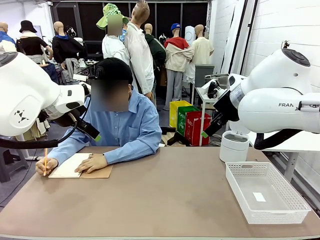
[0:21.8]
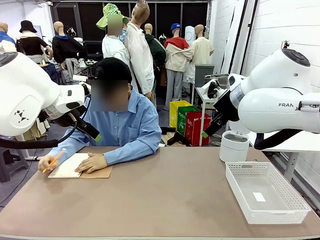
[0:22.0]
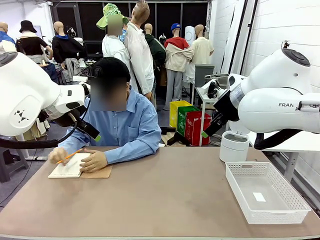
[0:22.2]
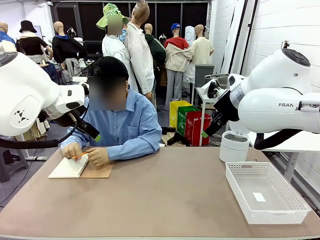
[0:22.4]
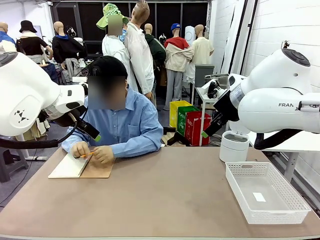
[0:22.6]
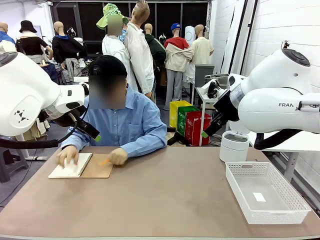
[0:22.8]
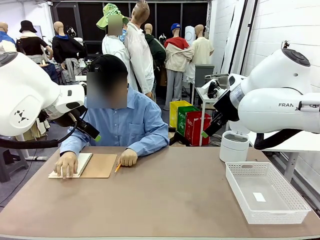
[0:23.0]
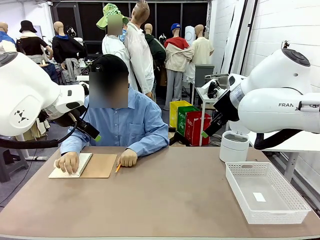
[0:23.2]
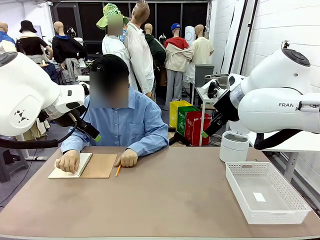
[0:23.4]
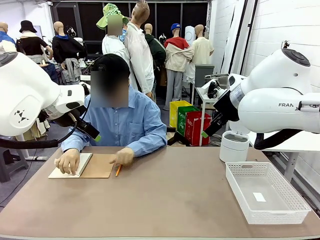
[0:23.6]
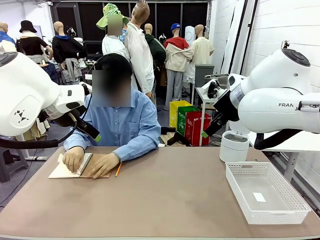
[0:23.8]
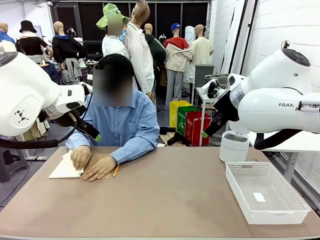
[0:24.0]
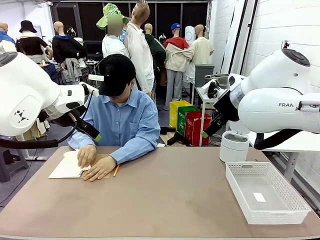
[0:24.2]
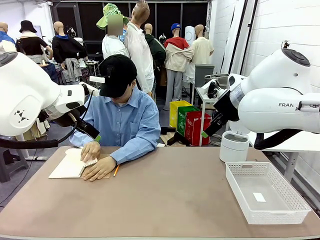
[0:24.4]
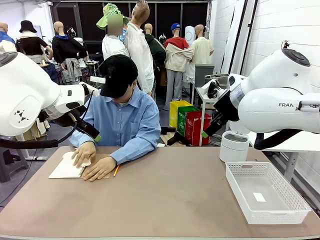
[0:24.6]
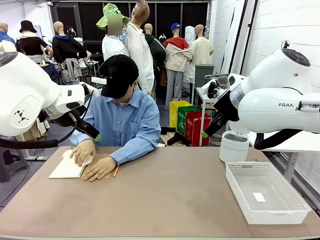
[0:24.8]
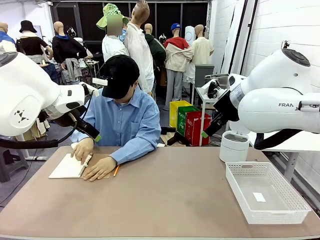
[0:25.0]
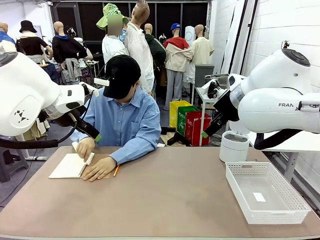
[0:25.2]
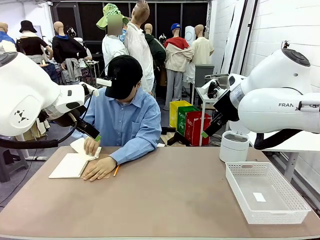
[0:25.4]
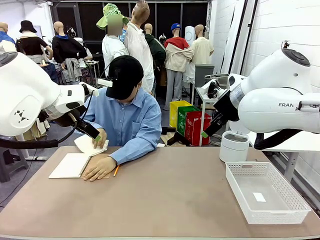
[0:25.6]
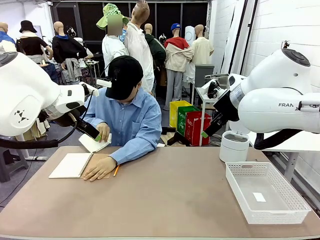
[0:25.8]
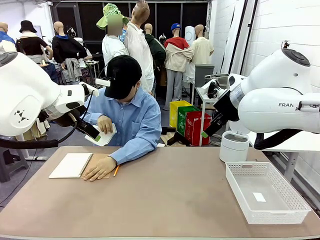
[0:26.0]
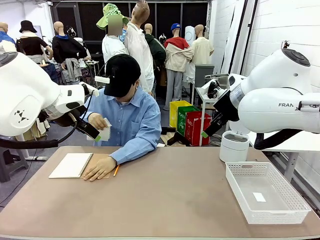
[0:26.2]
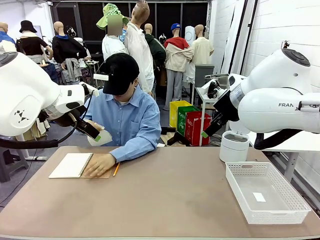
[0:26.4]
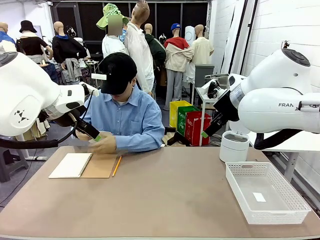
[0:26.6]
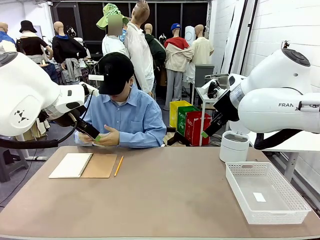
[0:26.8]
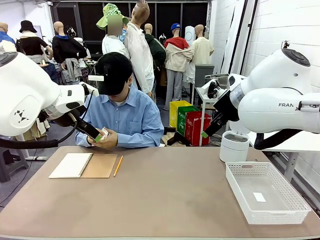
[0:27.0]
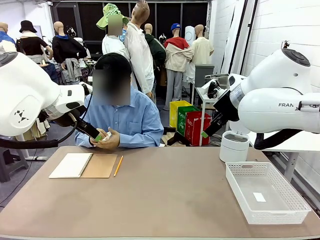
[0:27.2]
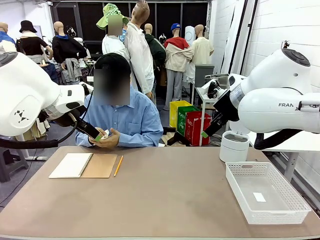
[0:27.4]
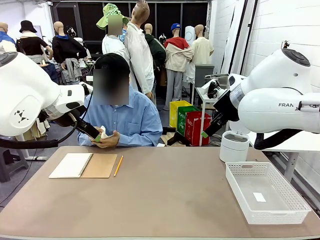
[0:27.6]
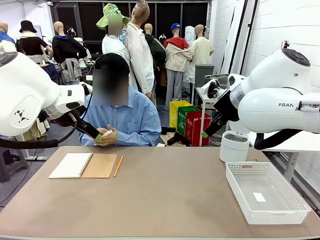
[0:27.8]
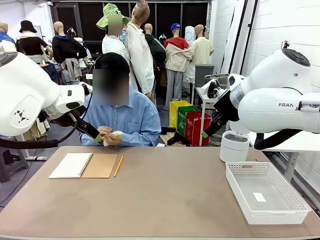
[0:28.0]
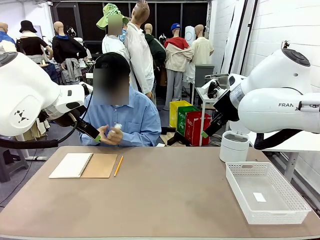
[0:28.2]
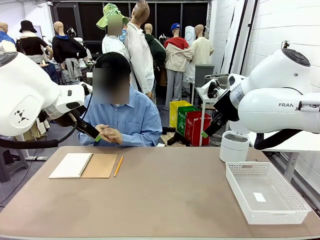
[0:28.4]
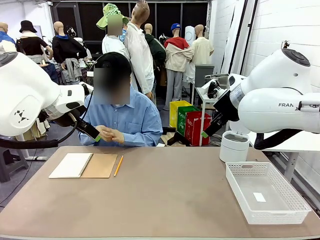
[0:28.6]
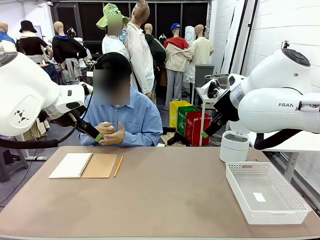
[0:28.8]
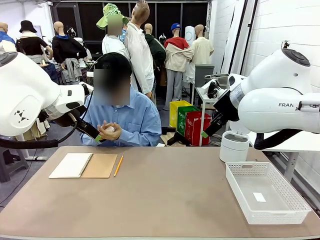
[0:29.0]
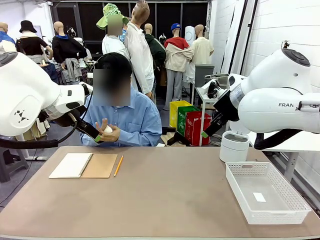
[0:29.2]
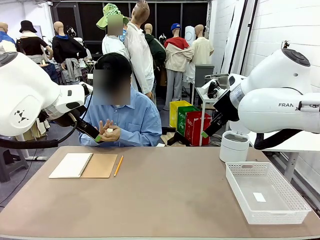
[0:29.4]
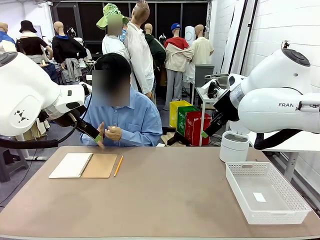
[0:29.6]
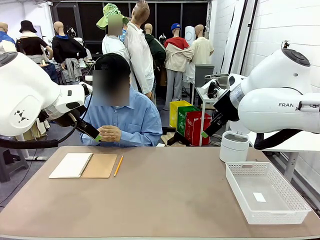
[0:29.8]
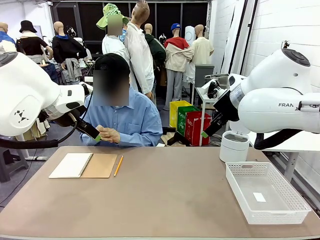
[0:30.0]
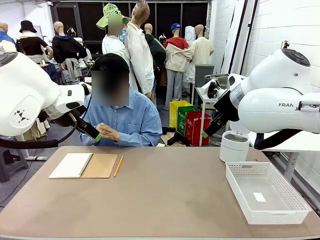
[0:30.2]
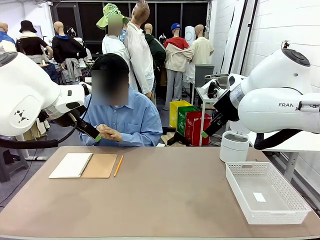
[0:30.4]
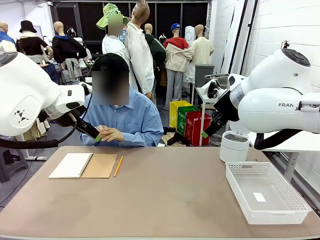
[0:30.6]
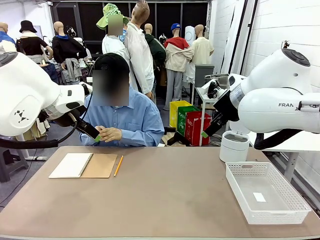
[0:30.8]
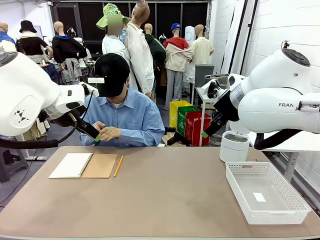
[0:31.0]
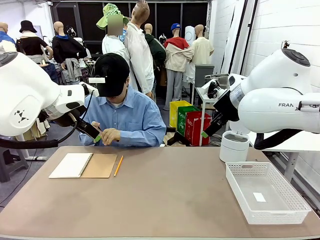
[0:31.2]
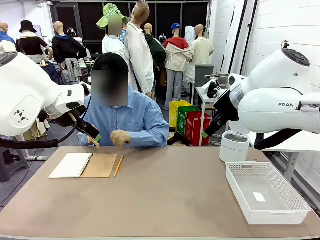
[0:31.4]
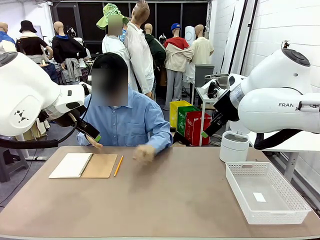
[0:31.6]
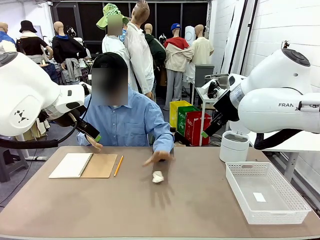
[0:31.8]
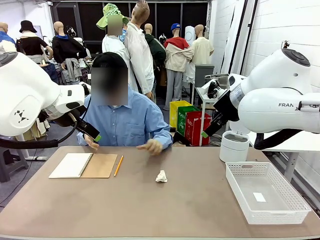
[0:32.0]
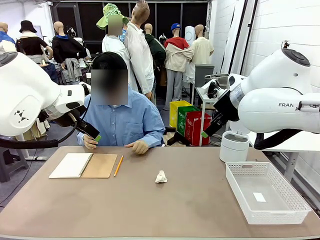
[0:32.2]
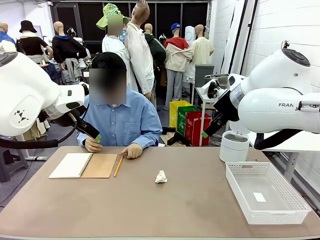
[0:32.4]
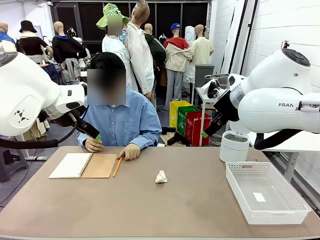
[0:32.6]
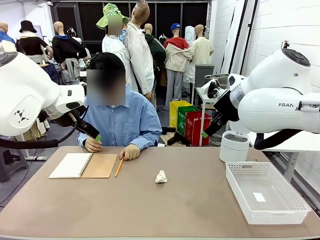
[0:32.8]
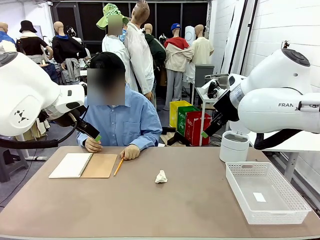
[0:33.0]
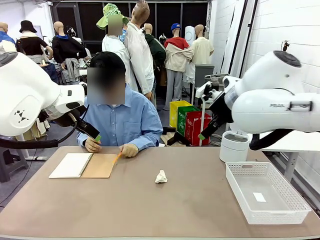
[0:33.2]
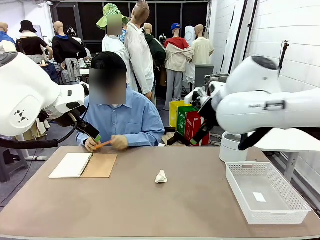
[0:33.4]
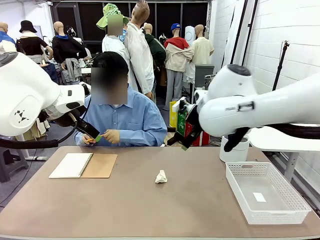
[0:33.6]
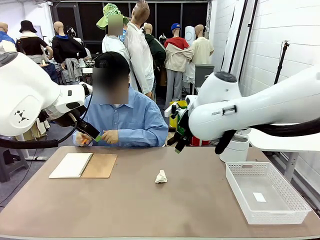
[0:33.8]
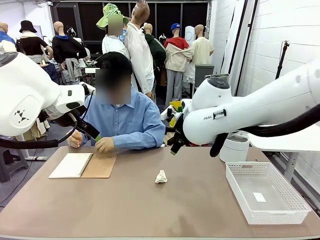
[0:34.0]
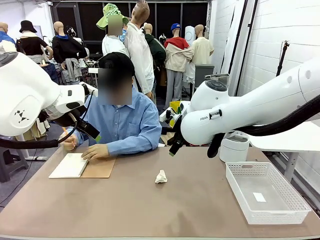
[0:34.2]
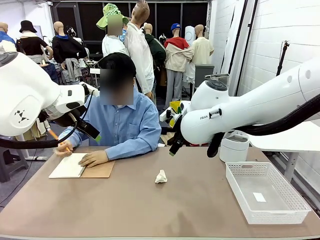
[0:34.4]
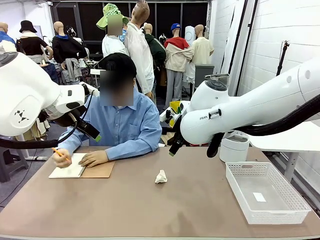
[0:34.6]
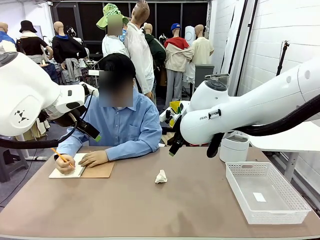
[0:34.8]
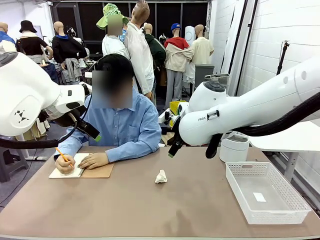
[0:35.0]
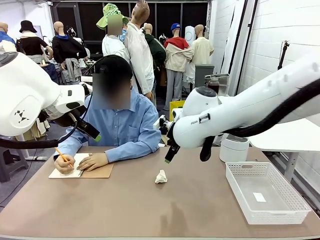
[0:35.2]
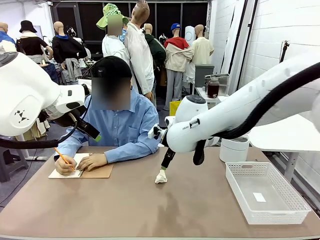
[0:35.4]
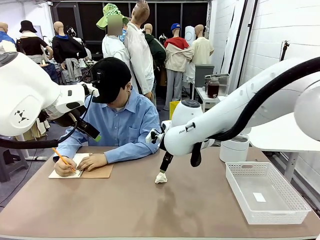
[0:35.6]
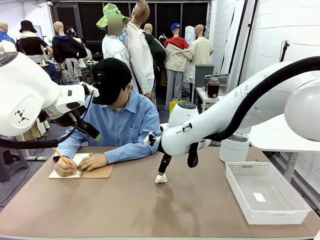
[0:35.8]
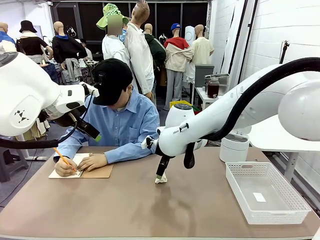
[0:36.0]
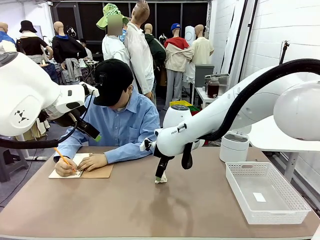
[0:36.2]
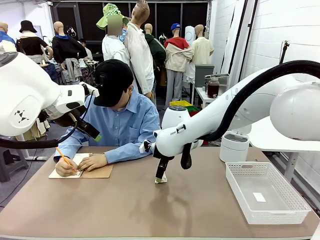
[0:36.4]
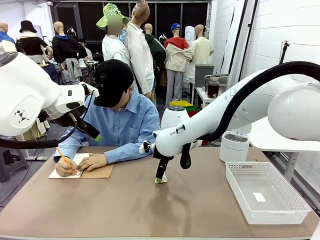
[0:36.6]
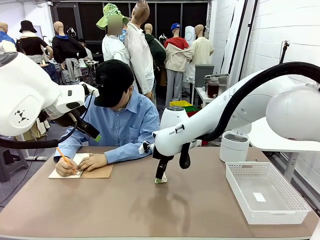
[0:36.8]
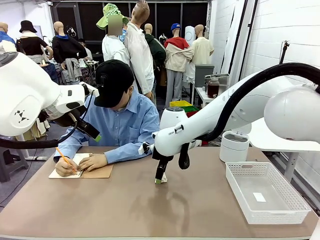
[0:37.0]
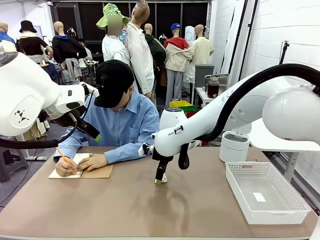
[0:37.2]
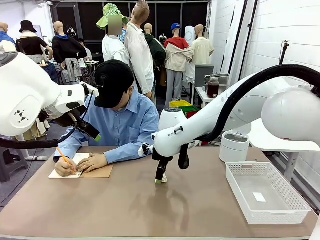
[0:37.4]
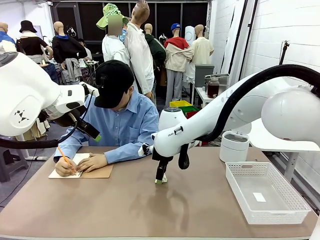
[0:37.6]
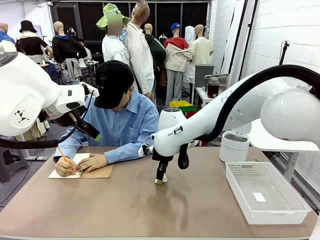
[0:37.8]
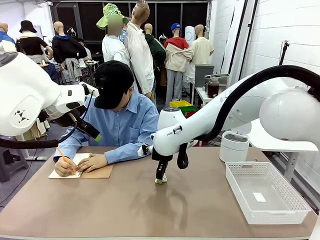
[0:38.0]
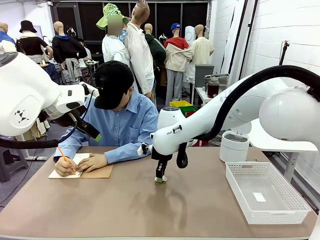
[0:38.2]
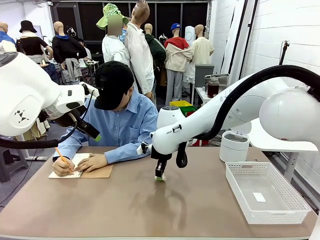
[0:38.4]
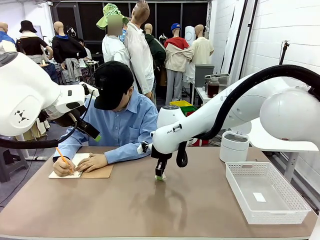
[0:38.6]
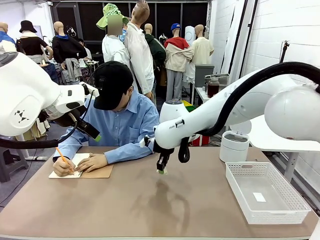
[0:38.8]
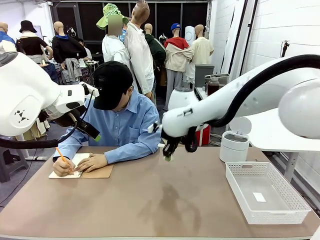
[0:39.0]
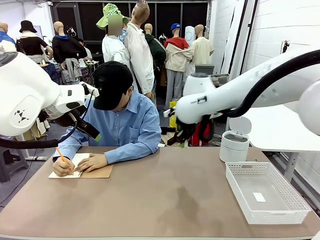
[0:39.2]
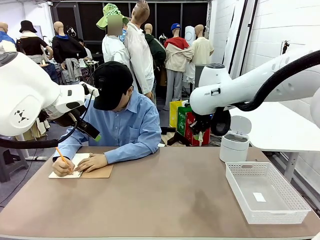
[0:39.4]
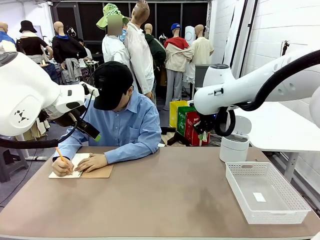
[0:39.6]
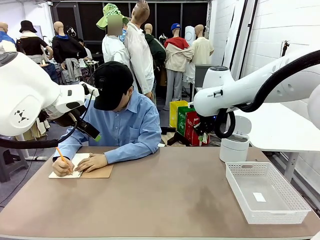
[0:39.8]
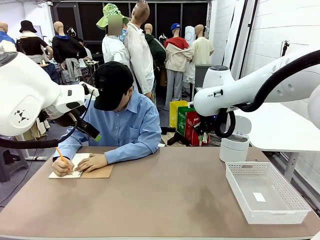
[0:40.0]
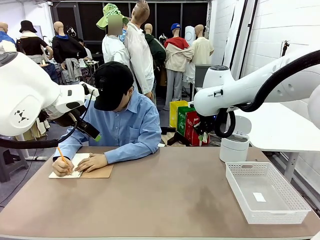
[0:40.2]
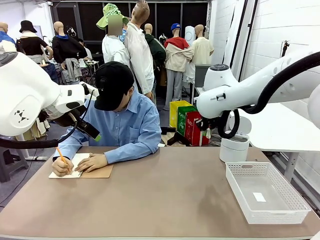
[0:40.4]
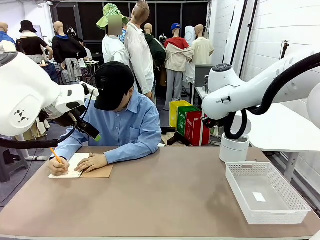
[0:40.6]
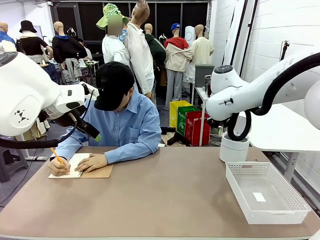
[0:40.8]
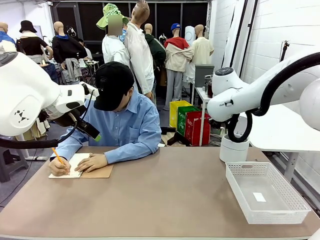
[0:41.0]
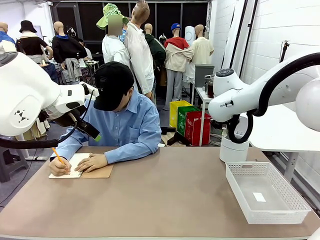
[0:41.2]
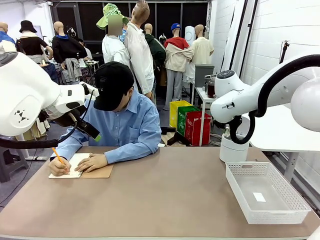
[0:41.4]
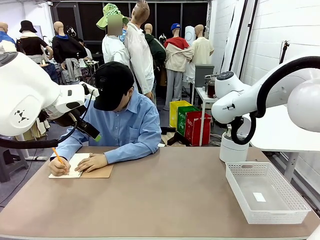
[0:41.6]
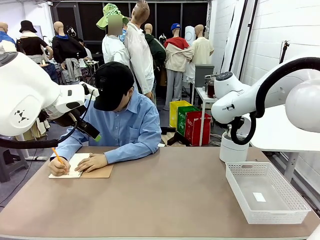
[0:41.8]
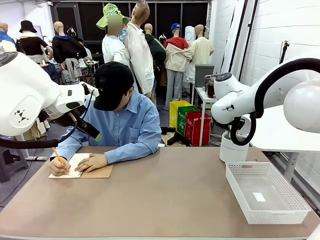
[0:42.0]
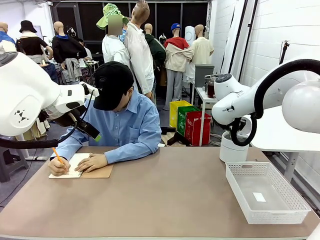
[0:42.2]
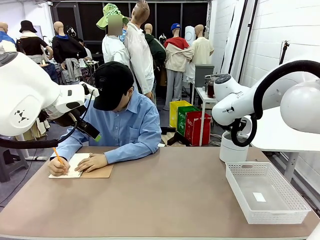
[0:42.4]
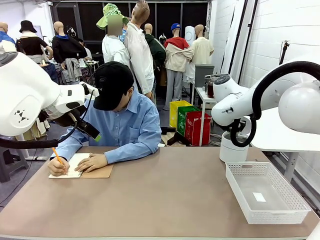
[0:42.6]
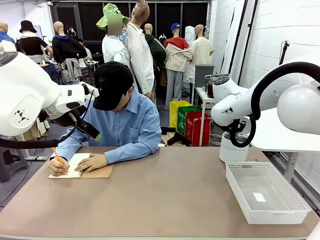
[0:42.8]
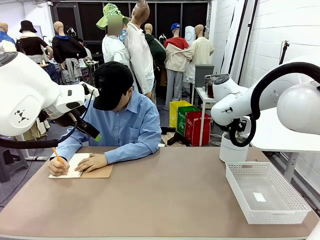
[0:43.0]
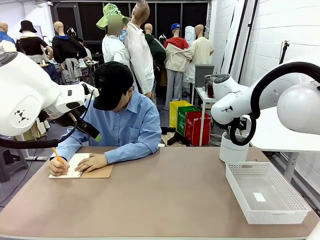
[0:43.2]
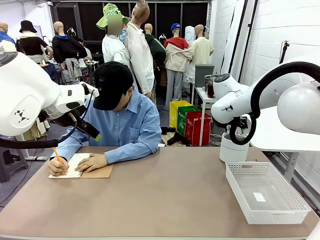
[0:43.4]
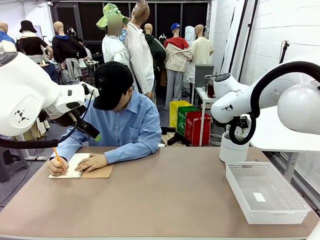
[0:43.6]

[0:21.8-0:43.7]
Task: Sort the paper based on its condition.
Robot: If a person hands you a paper, place it in the Organizing basket , and if it's crumpled, put it in the Trash can.
Person: Hand the torn page to the robot or crumple it and throw it to the center of the table.
